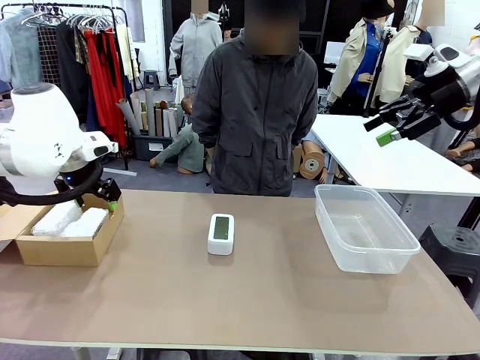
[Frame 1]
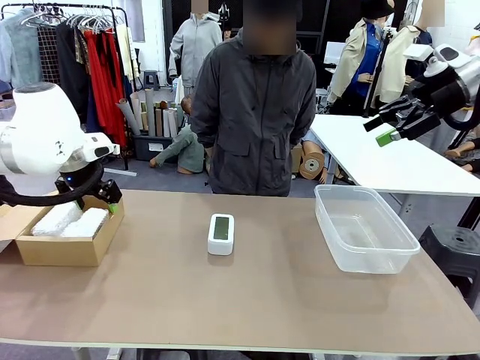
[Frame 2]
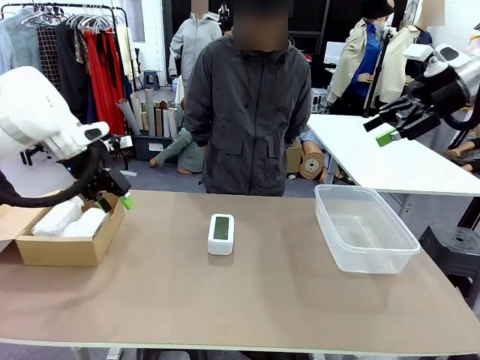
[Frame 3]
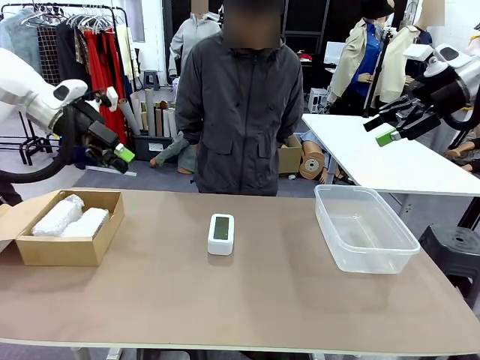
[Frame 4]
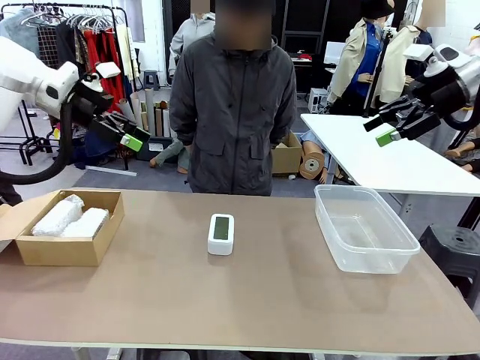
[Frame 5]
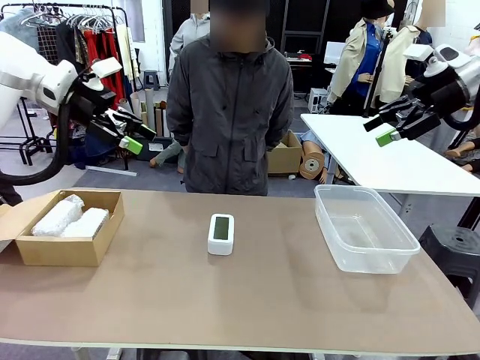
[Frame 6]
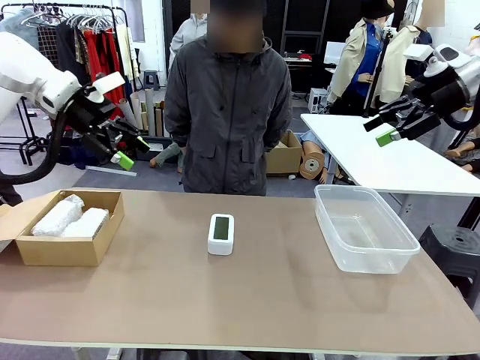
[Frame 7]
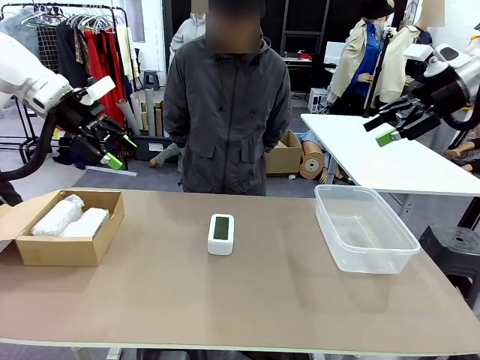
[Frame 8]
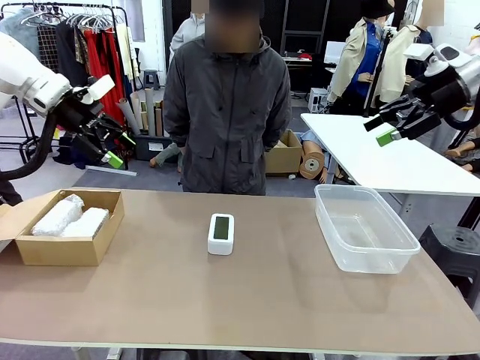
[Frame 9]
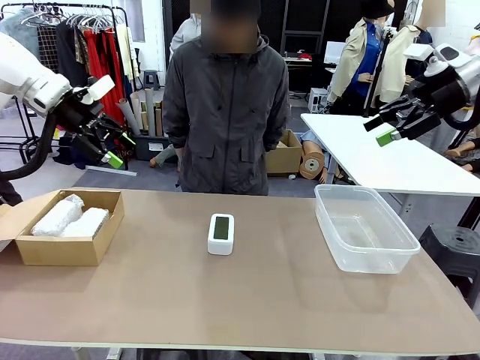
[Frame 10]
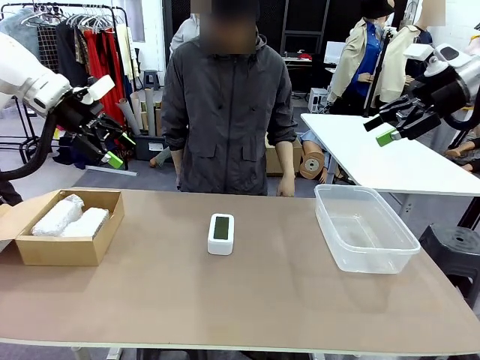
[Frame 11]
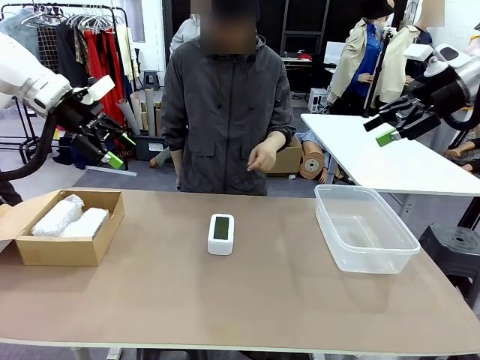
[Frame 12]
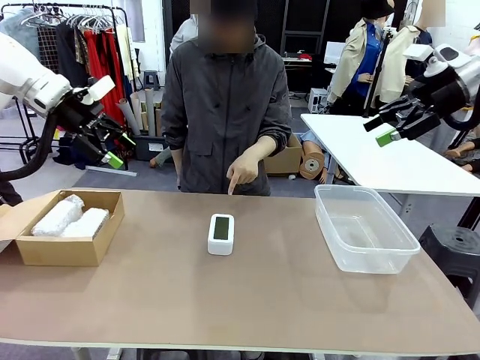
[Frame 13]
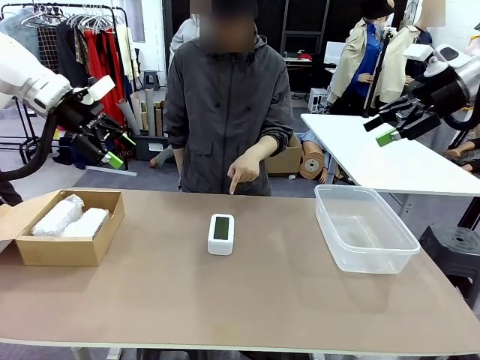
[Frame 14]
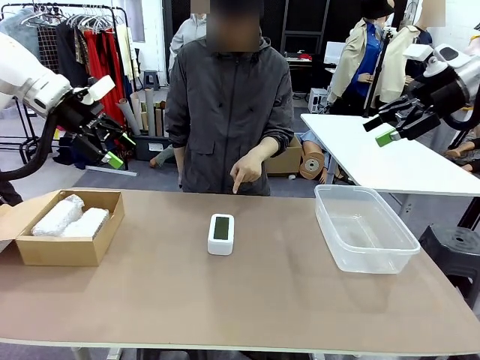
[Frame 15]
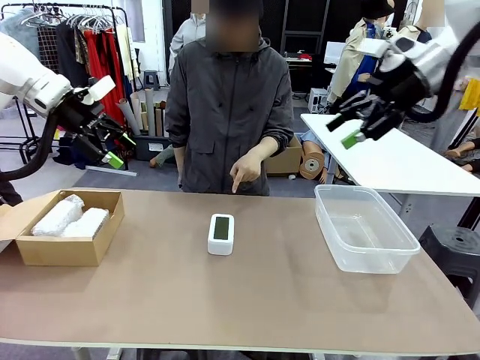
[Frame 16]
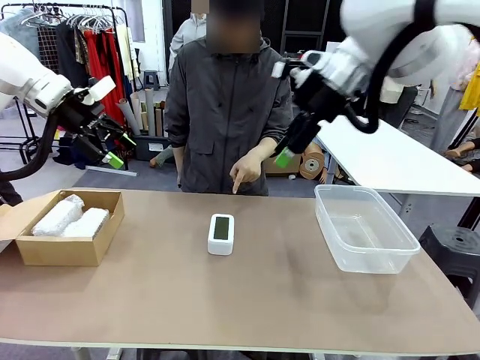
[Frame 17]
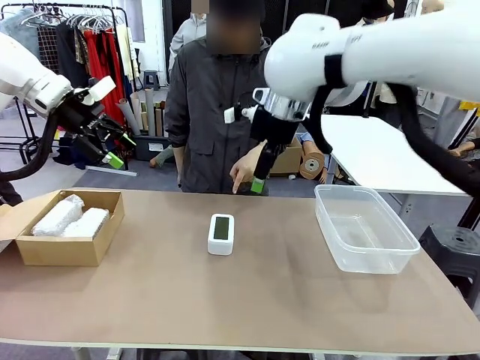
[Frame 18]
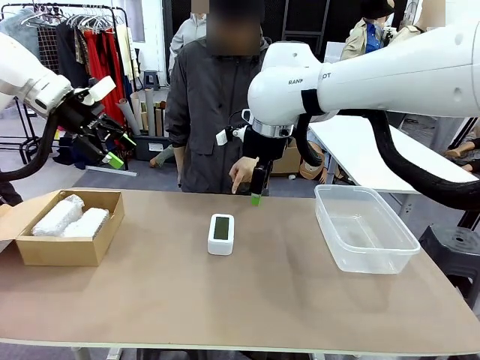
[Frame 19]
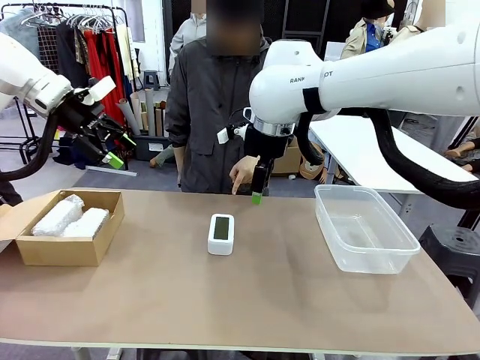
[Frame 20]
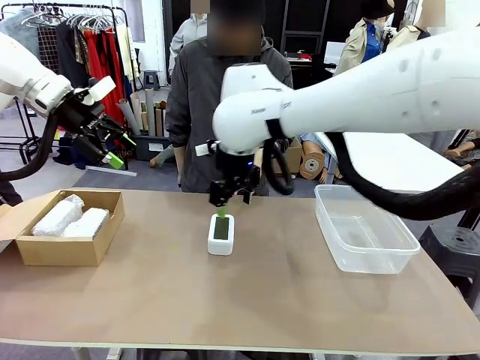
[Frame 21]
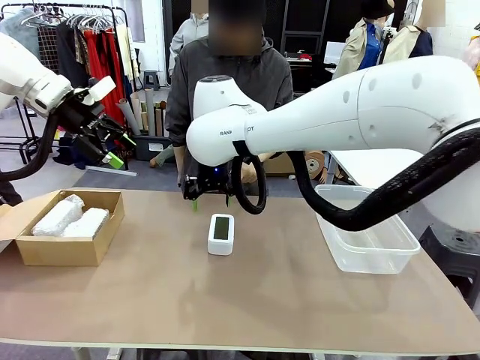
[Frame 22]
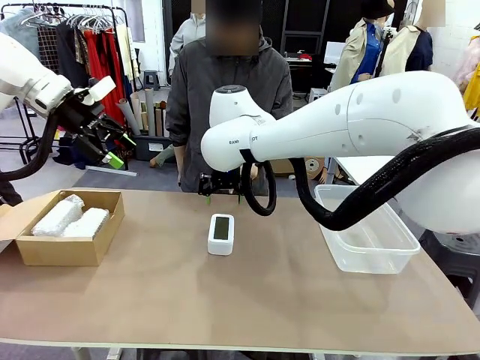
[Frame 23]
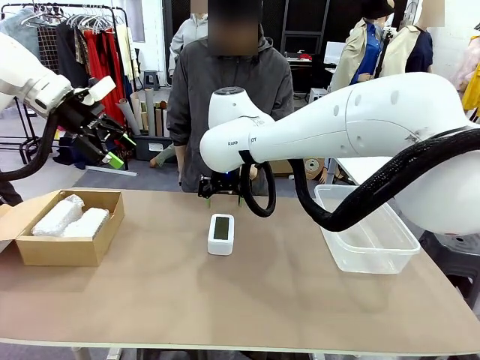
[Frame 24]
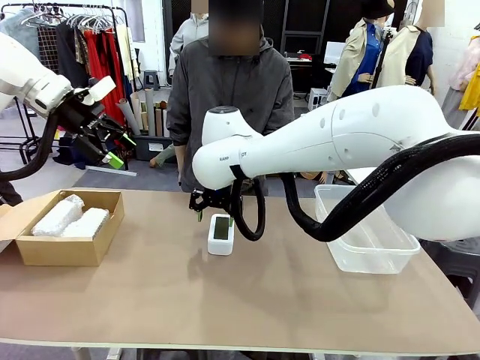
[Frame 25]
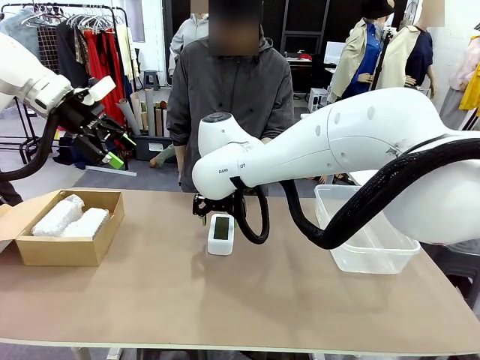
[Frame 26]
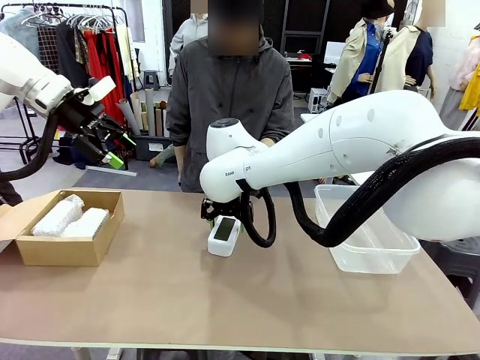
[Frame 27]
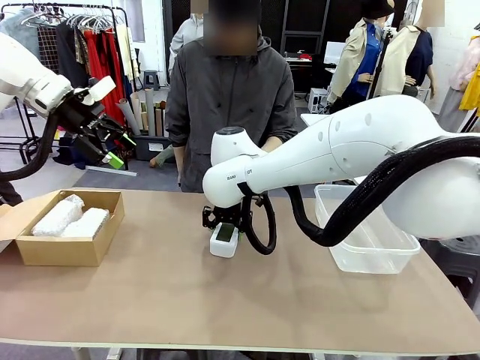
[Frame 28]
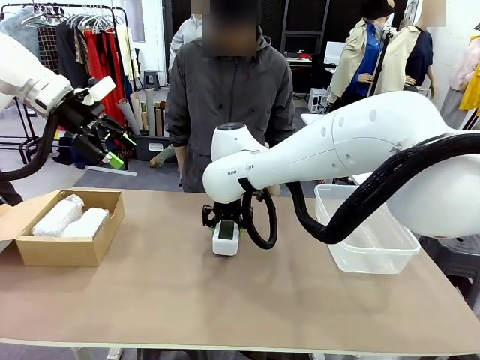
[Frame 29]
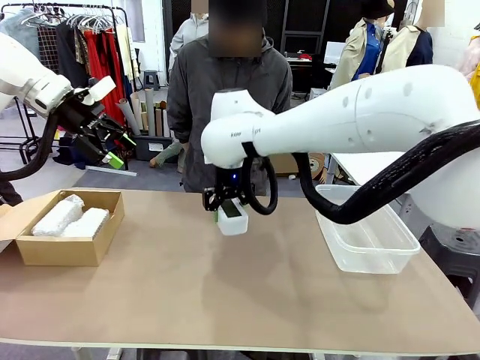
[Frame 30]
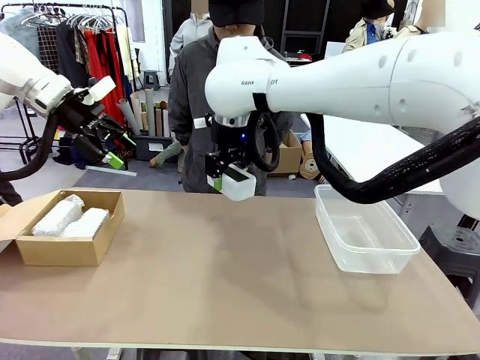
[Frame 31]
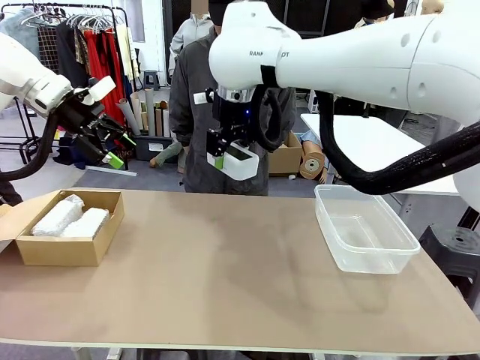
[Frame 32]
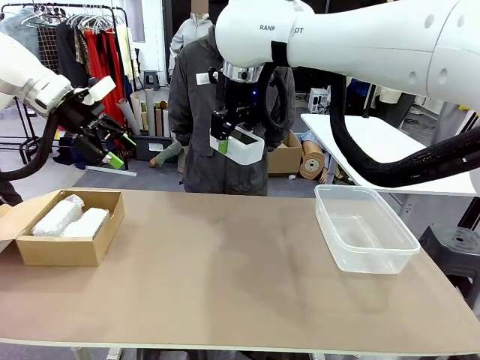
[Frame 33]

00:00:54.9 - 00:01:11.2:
Task: Separate and place wrapped and unwrapped clocks.
Robot: Pick up the Digital clock indicated by the person.

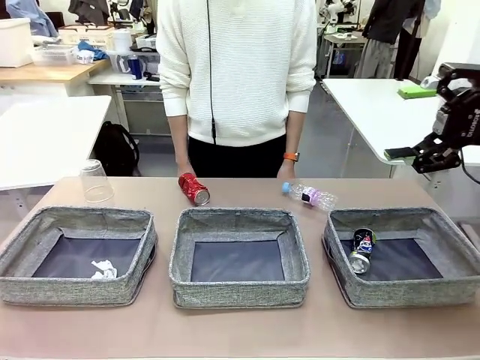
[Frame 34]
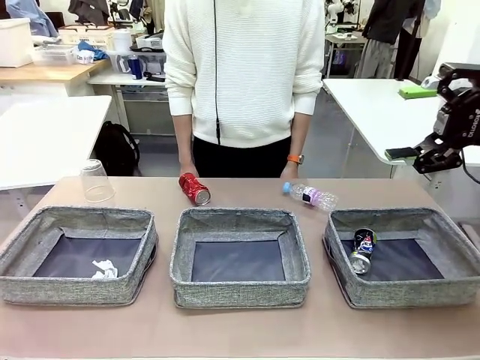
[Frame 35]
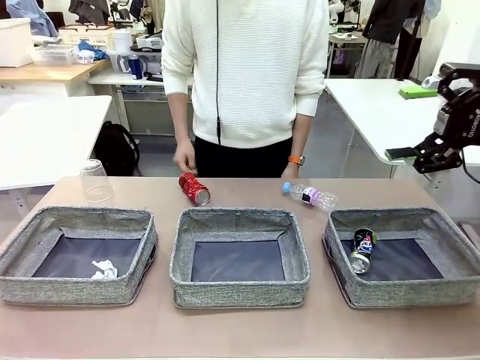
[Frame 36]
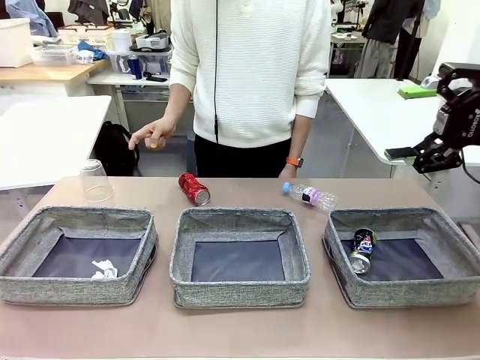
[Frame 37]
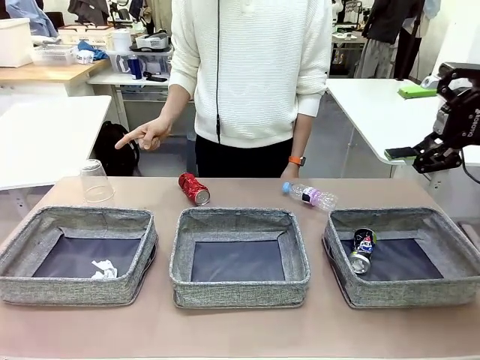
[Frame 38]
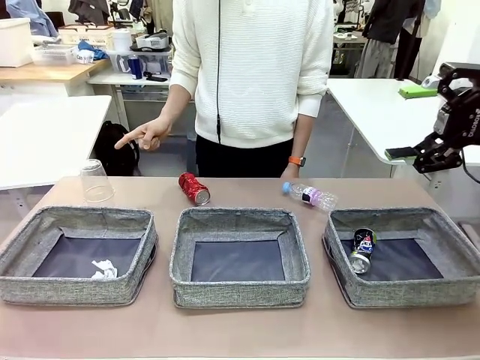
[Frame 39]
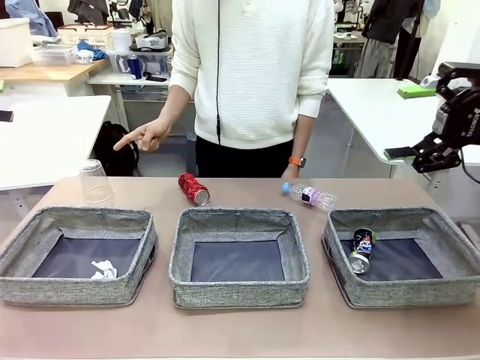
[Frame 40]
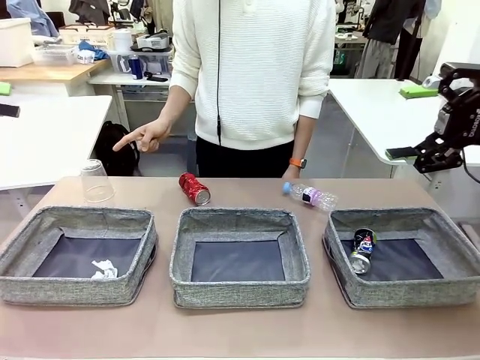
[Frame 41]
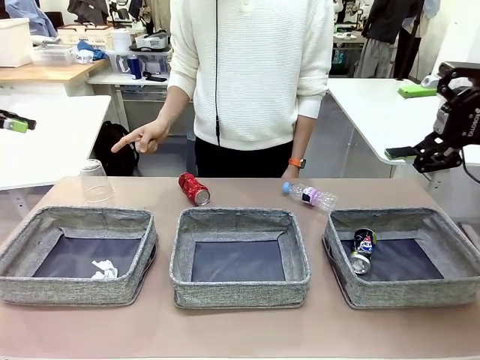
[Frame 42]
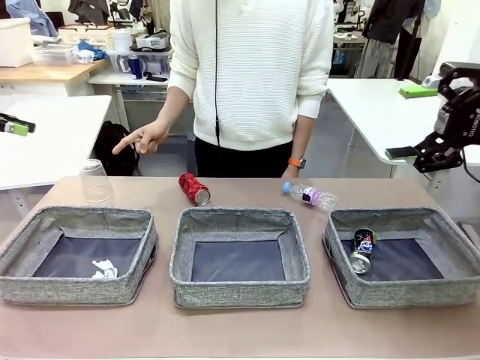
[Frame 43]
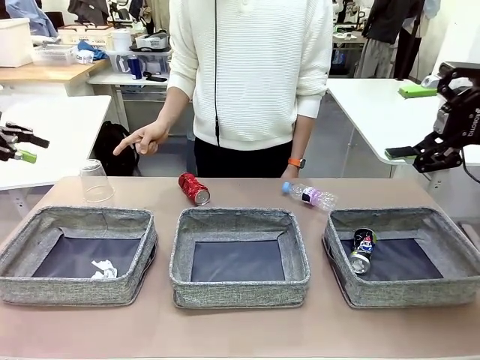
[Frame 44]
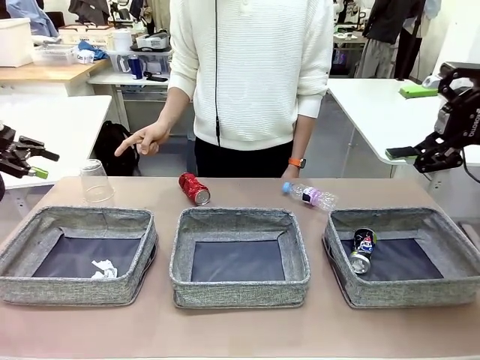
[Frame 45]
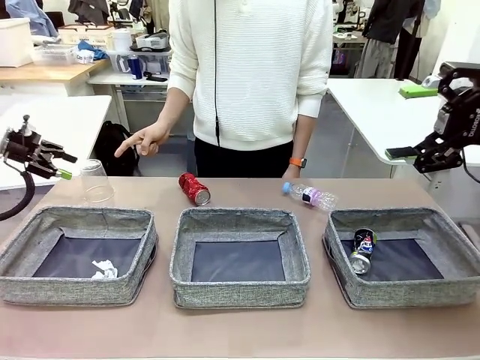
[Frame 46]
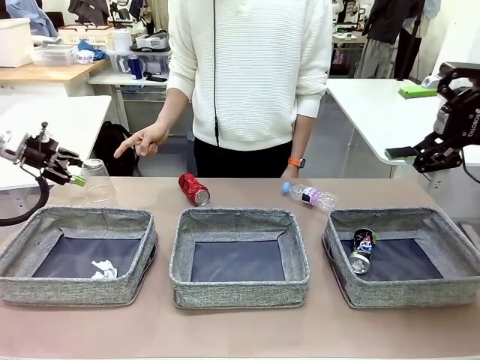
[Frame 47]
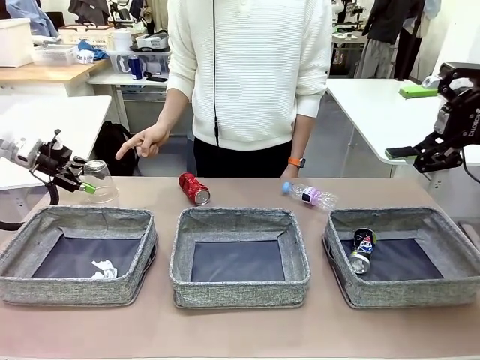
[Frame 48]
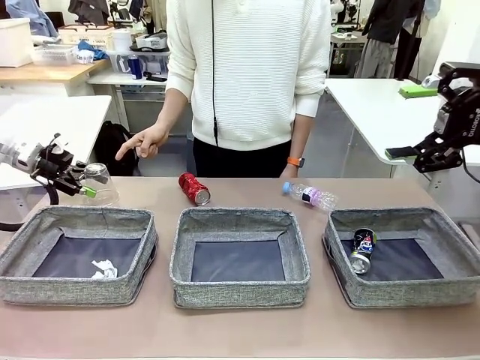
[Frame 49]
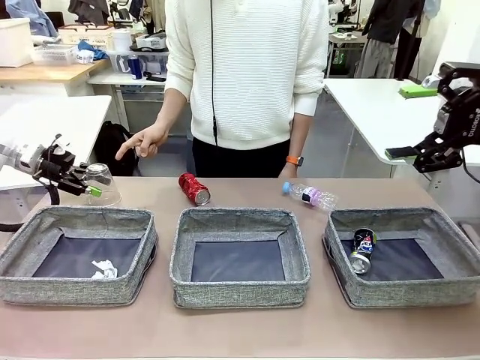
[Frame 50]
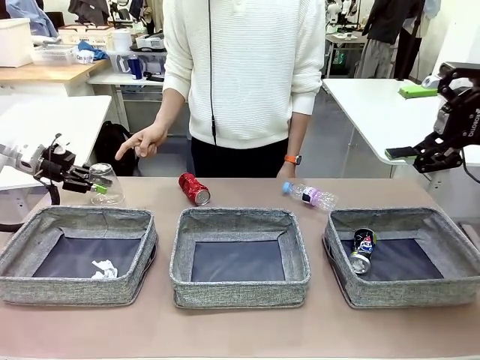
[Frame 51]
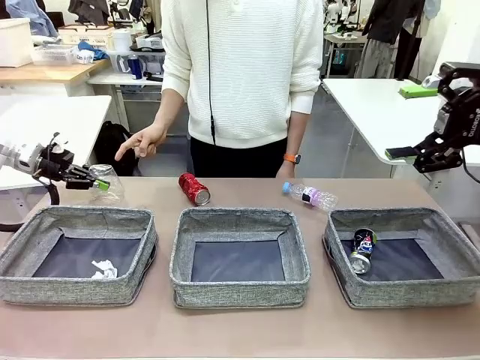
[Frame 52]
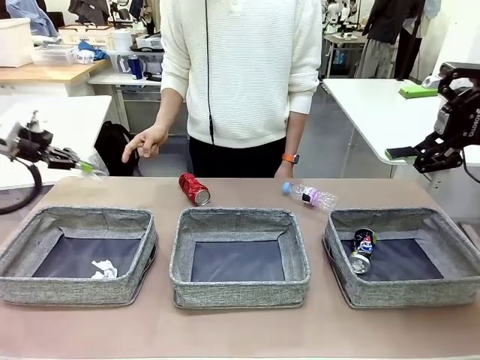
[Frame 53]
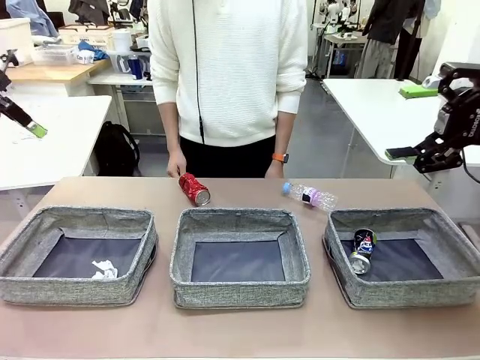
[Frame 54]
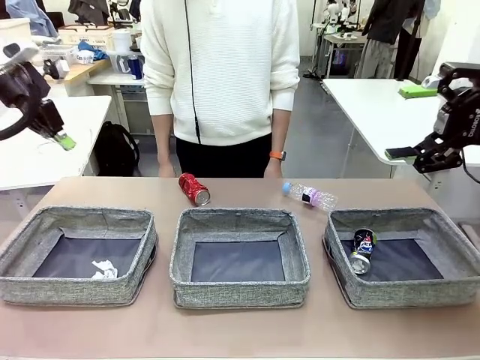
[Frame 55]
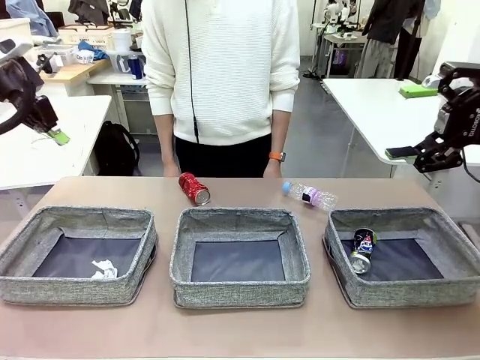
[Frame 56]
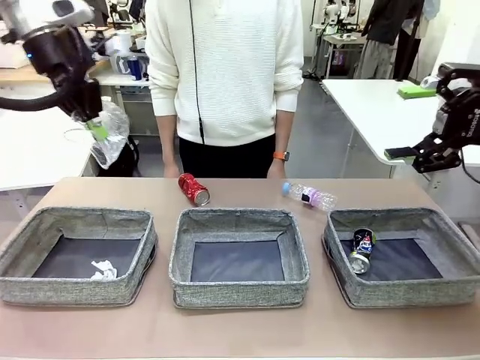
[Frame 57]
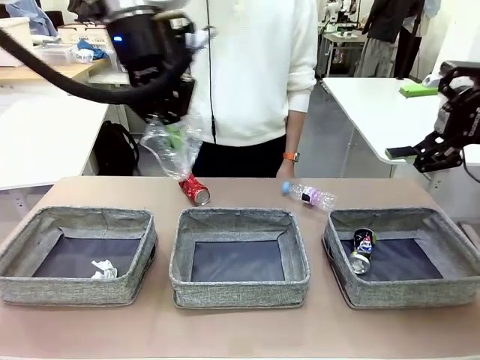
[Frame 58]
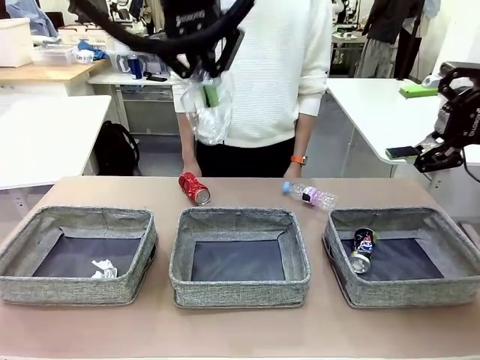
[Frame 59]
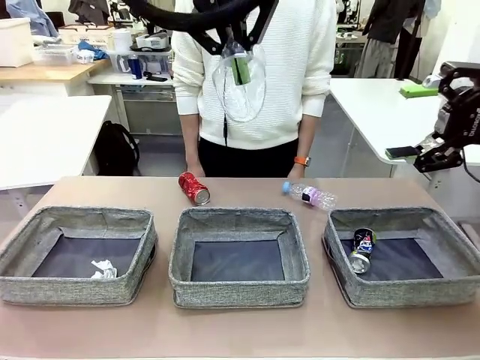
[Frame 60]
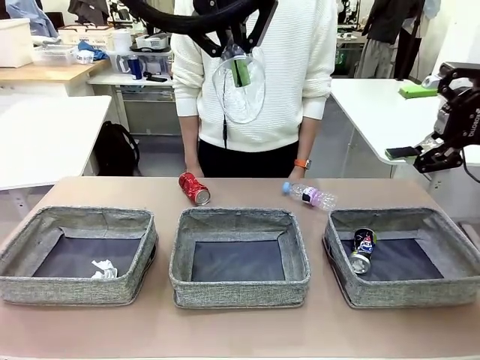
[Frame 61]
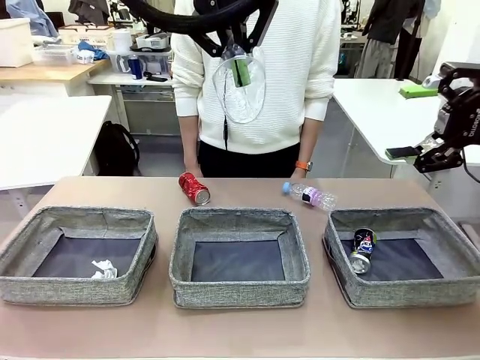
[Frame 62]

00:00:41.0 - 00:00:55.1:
Task: Sort the waste into the appropriate baskets.
Robot: Pick up the waste item pointed out by the person.
Person: Points to one piece of trash on the table.
